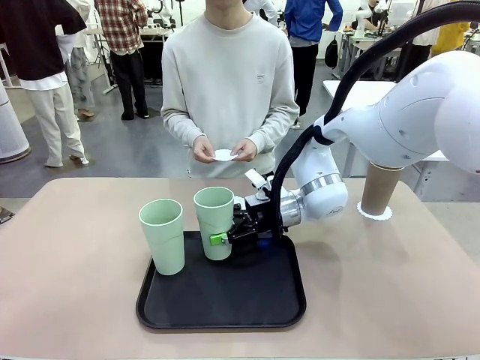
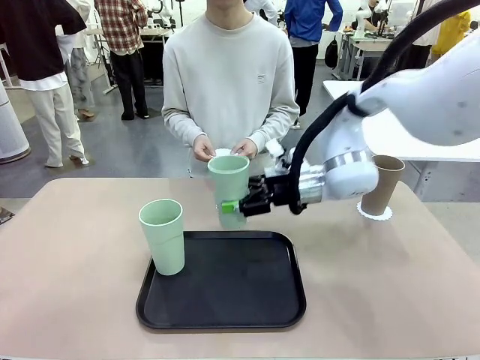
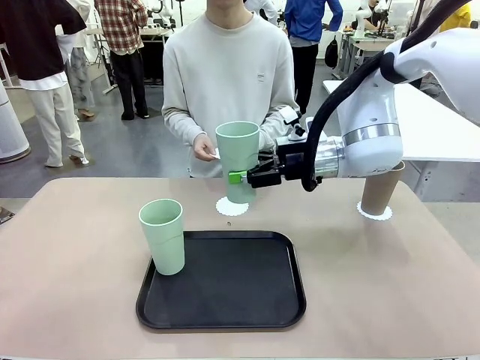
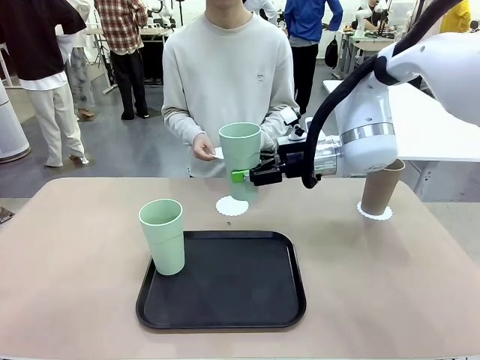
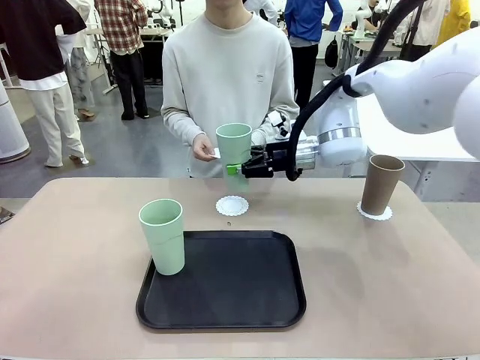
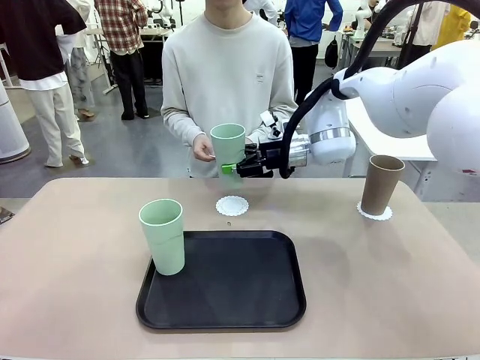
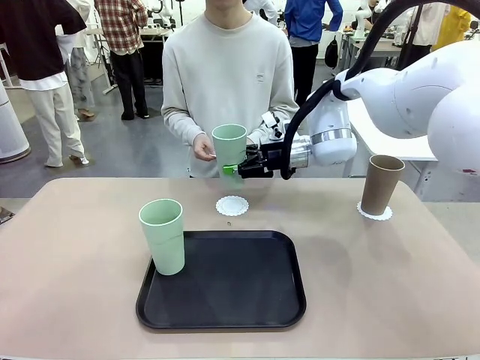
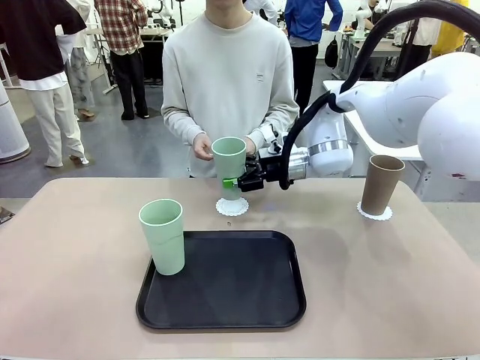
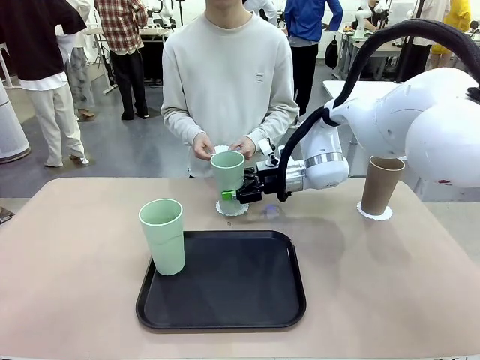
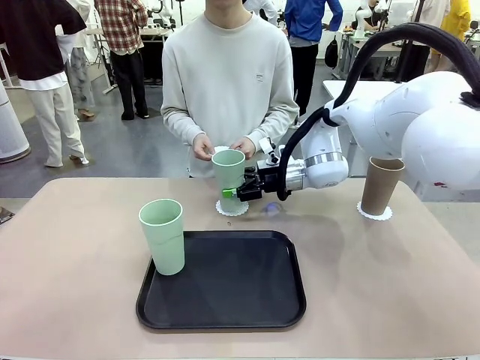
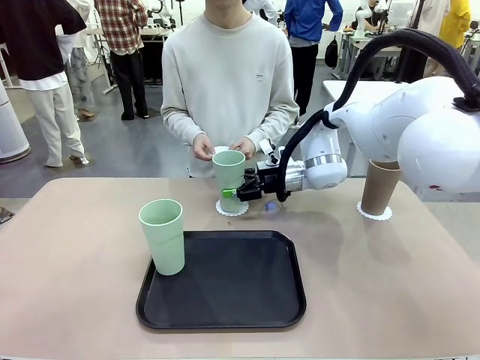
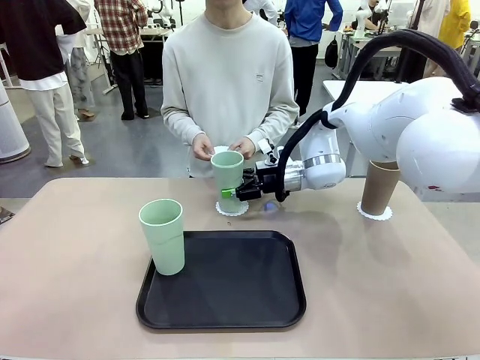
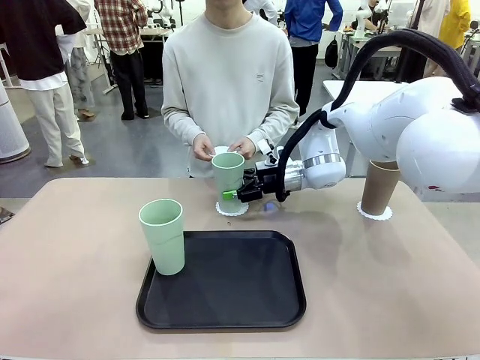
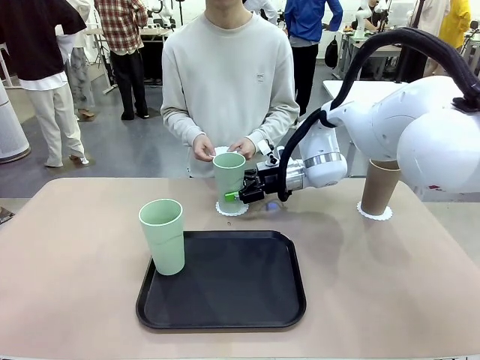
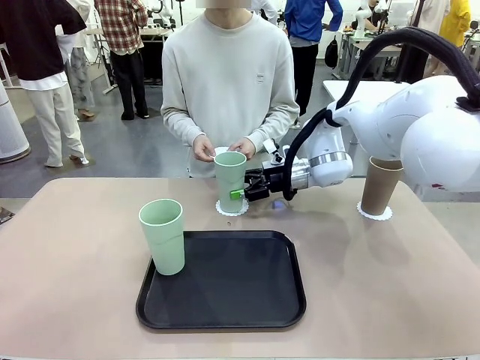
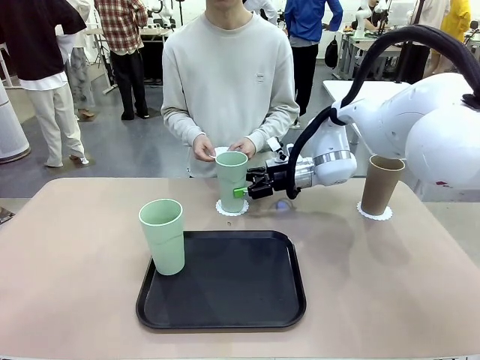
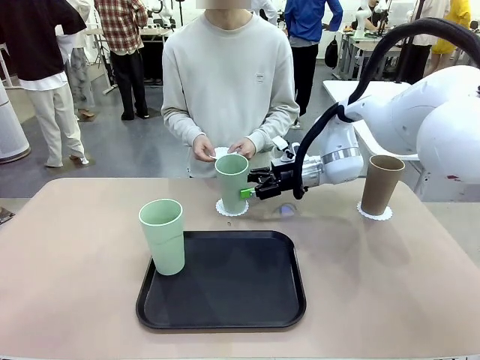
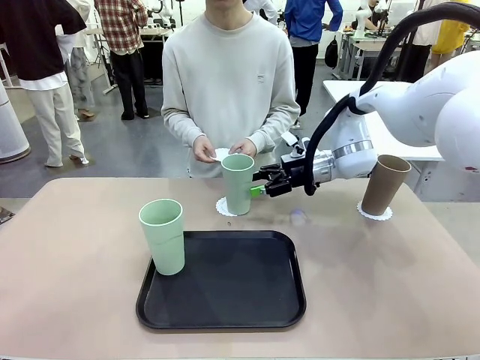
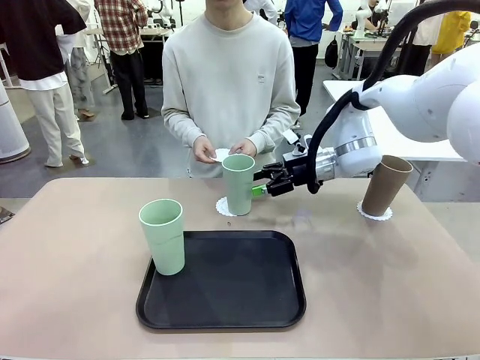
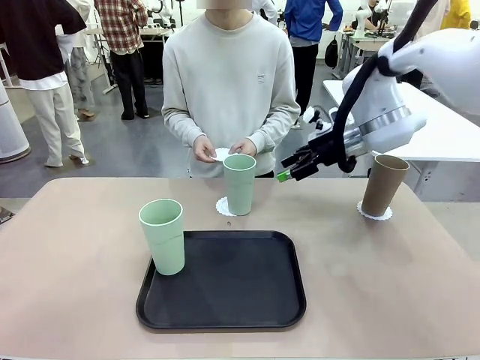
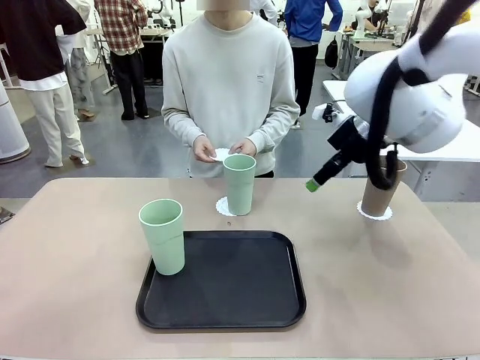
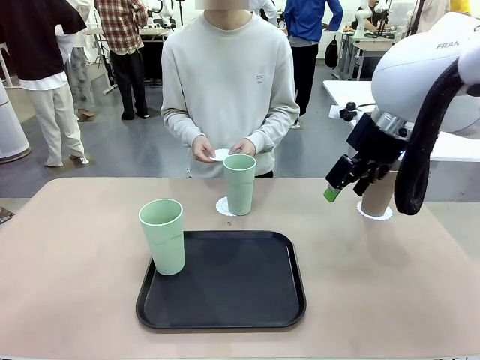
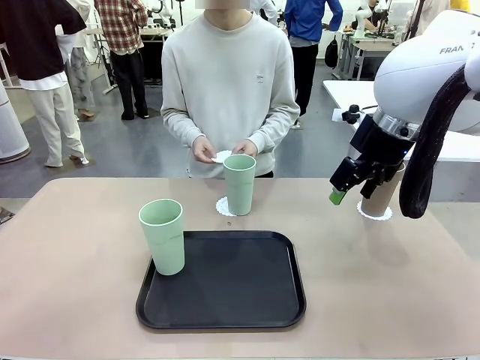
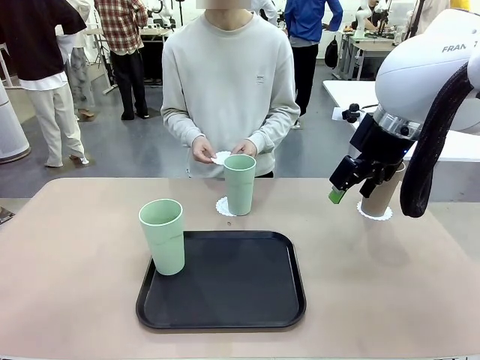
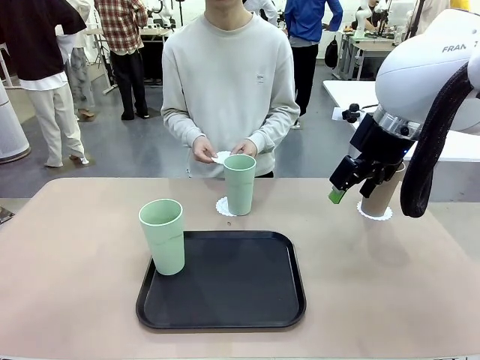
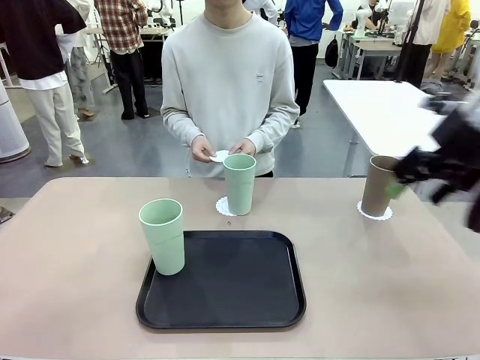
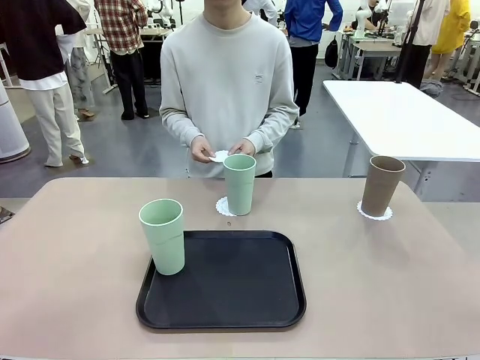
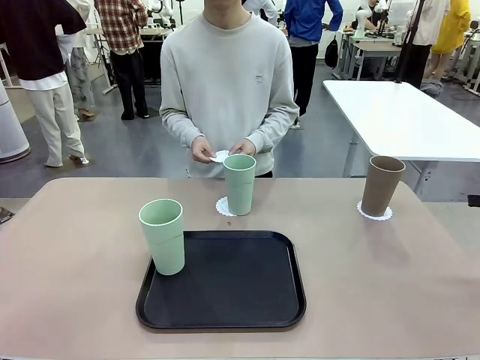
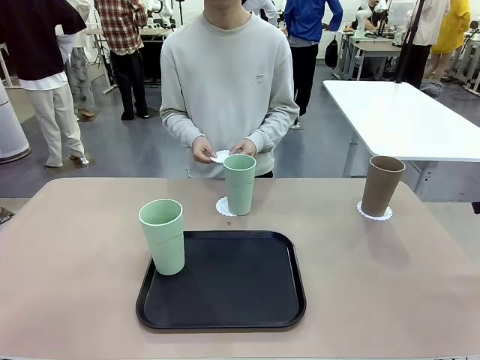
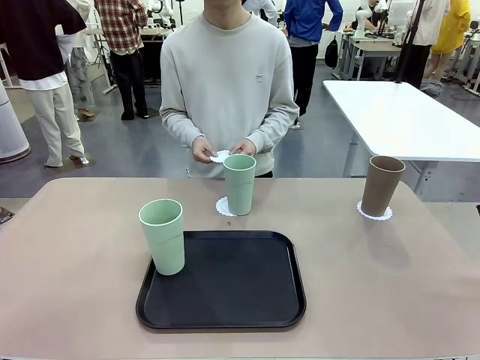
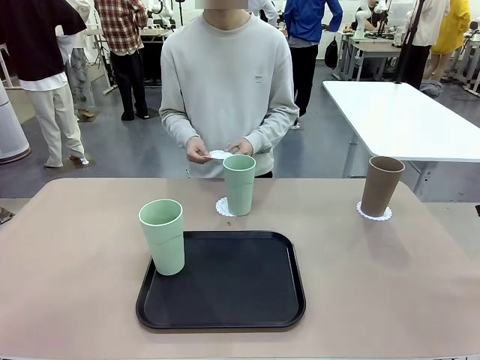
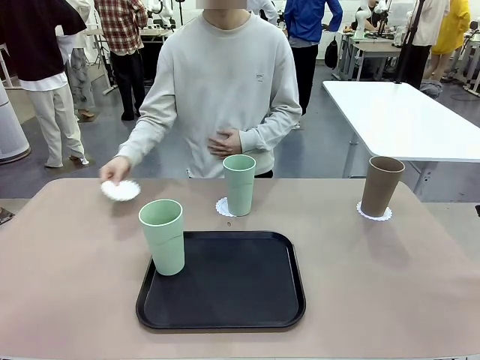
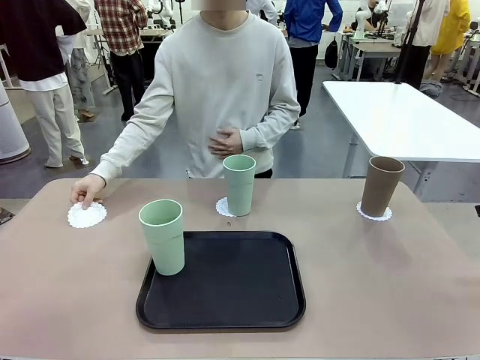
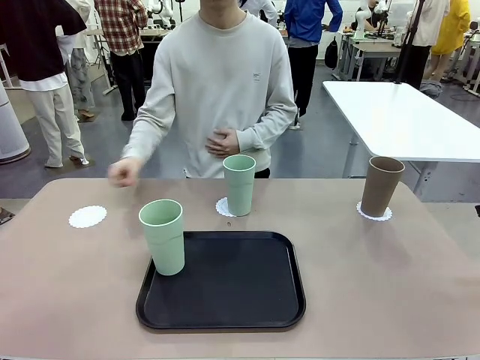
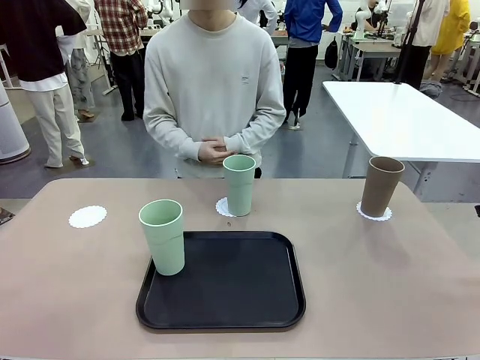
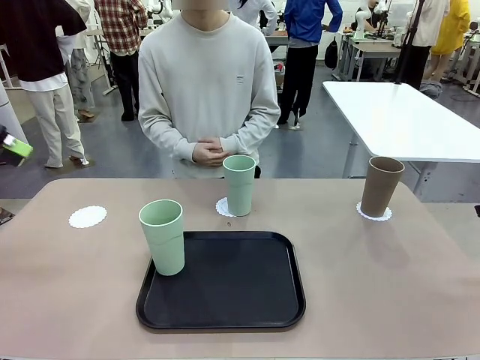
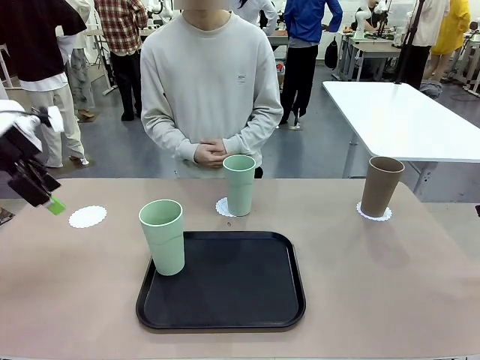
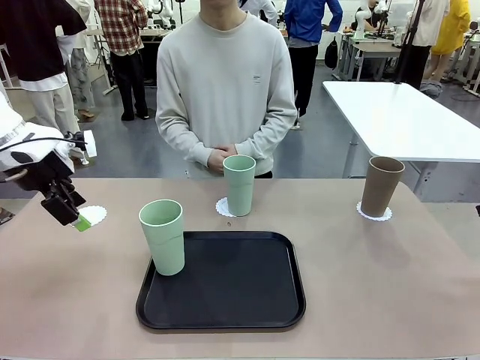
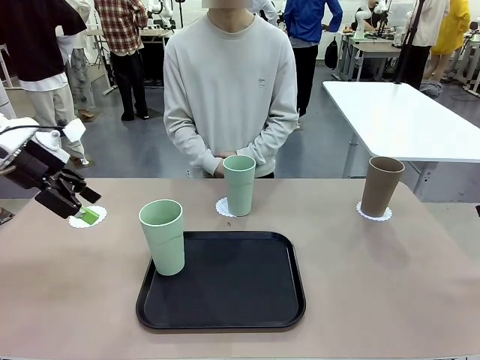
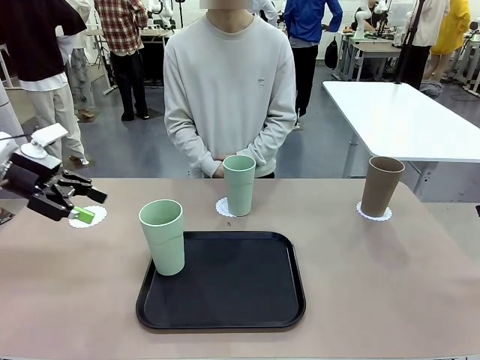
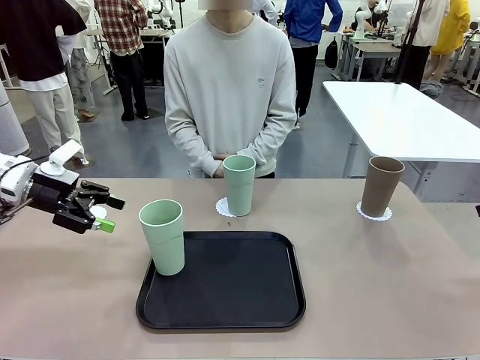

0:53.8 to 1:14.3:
Task: Place coasters on the table and set cups on them.
Robot: Take one Reusable plastic cup from the Flat Tray and place it on a coaster set by the human.

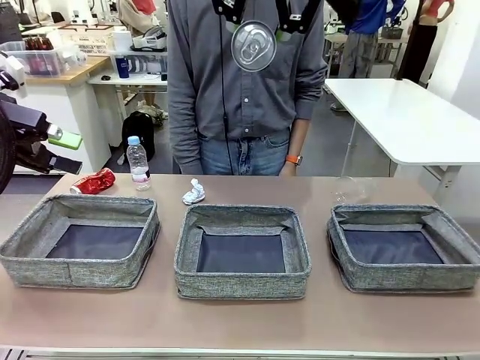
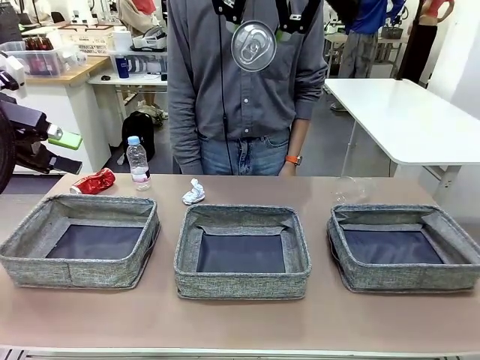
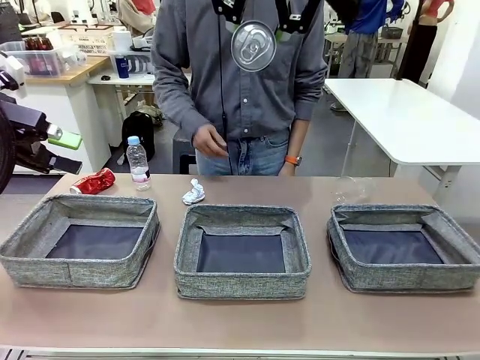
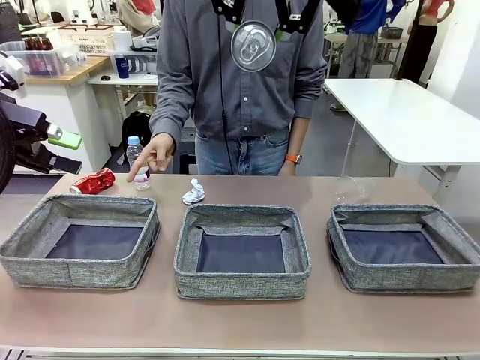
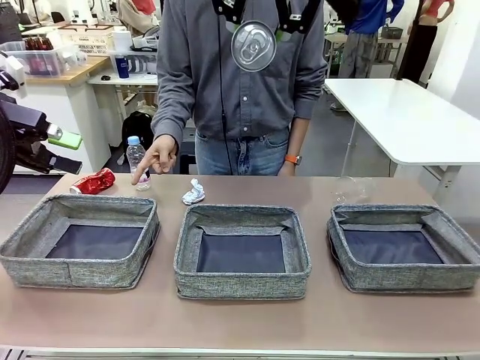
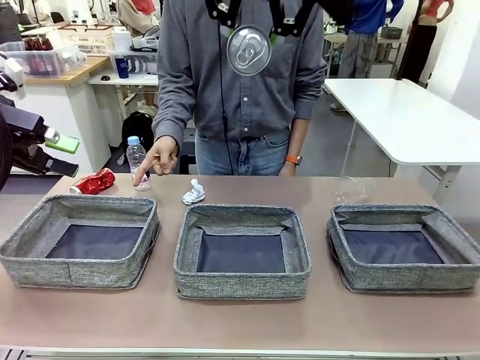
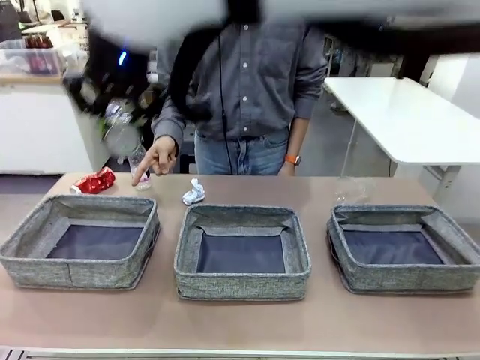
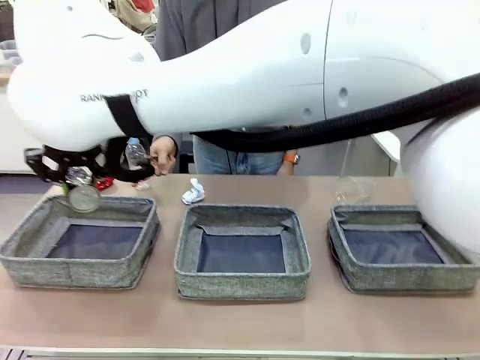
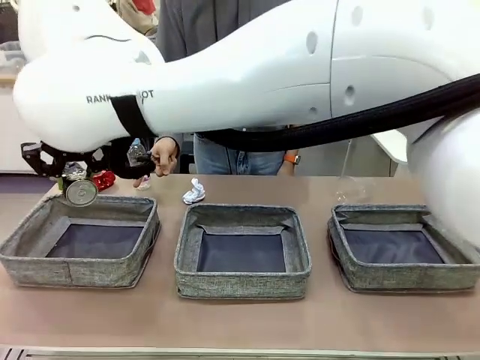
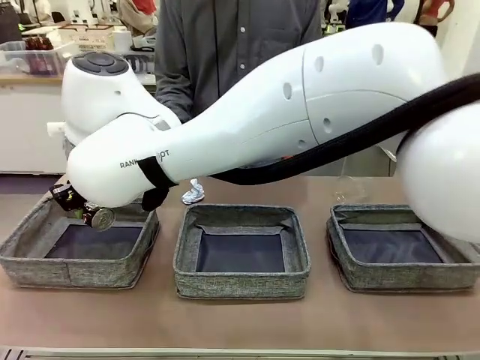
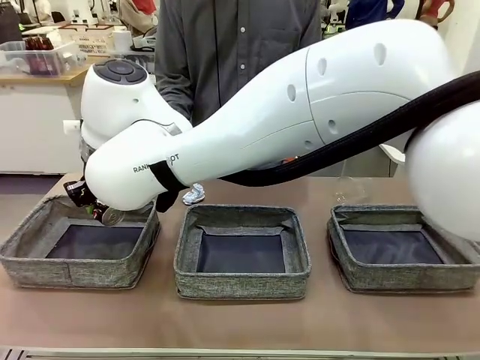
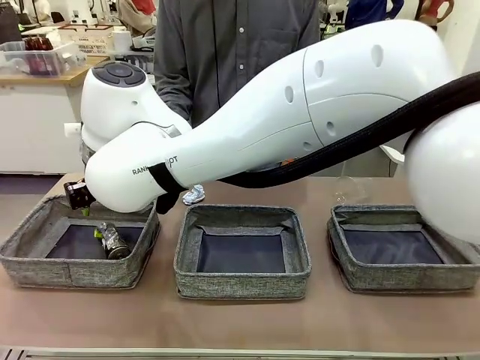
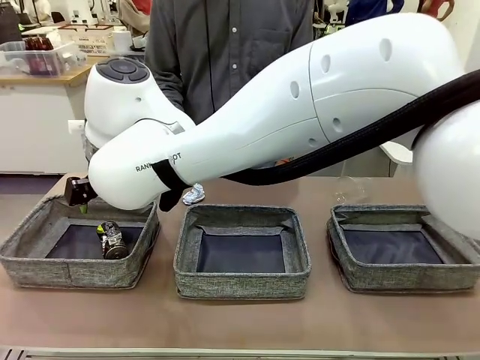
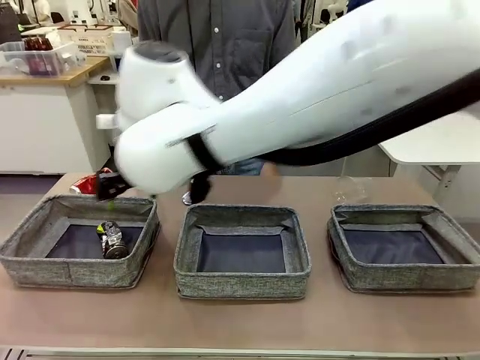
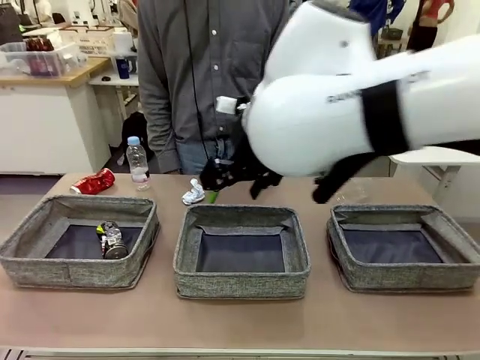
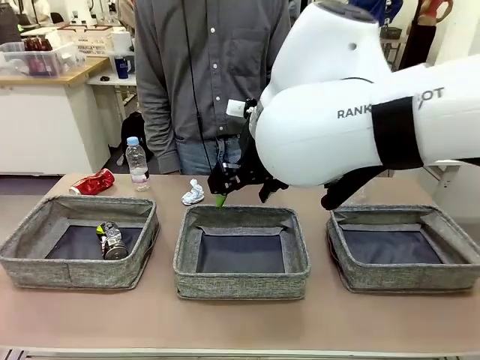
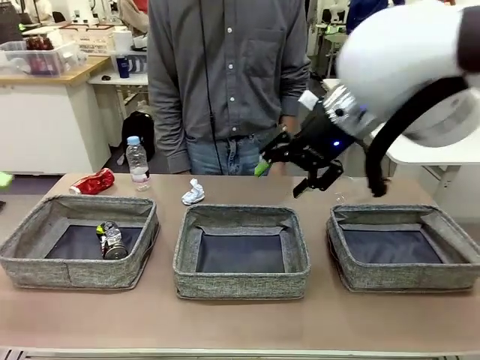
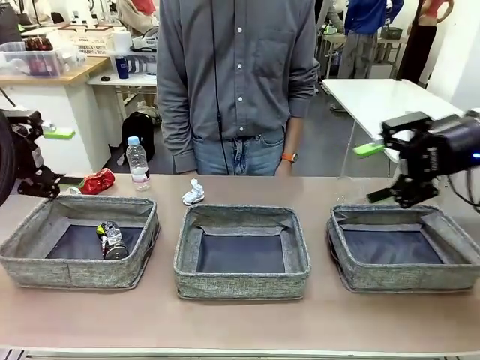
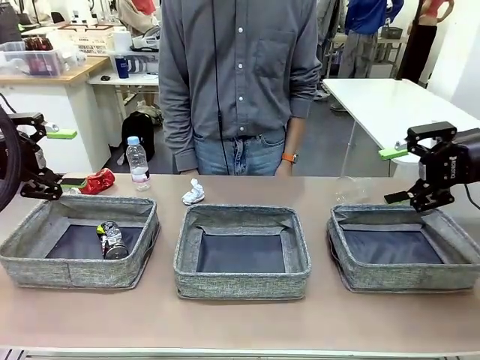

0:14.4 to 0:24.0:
Task: Sort the waste into the appropriate baskets.
Robot: Place the picked waste into the Fabric basket indicated by the person.
Person: Instructs the robot to place the picked-up trash into the appropriate organizing basket.
